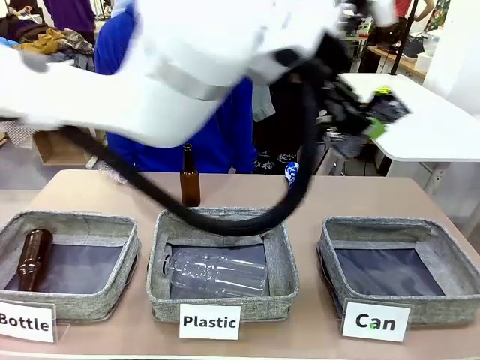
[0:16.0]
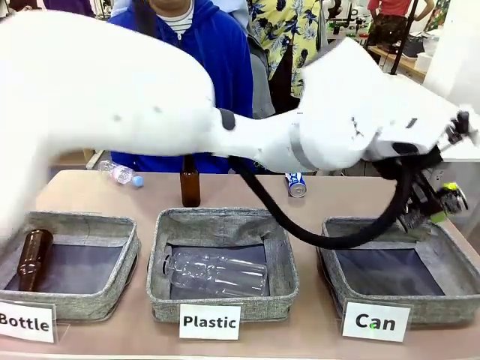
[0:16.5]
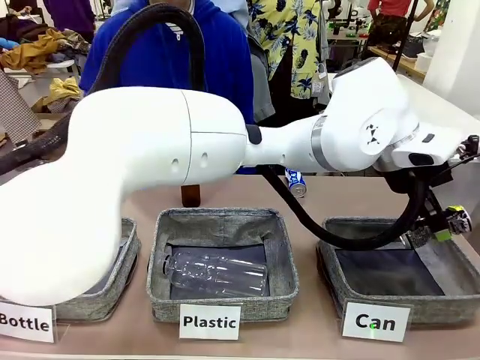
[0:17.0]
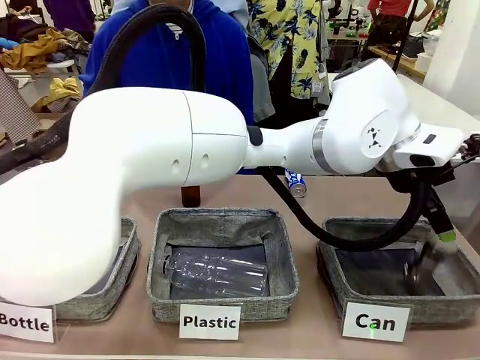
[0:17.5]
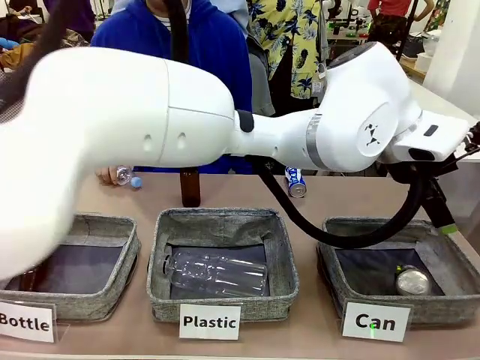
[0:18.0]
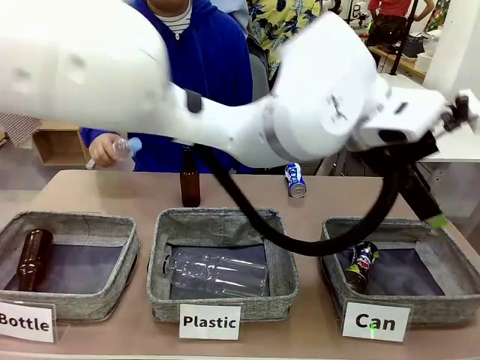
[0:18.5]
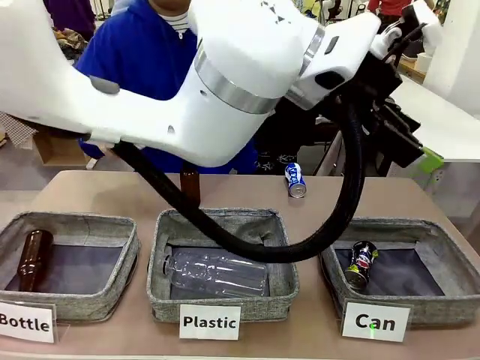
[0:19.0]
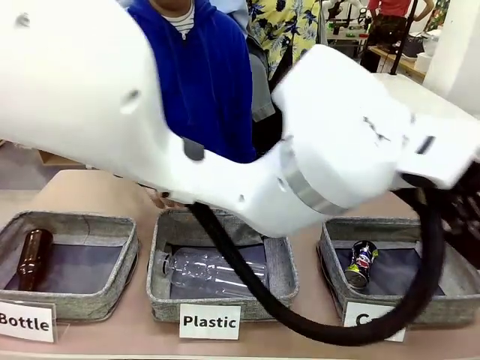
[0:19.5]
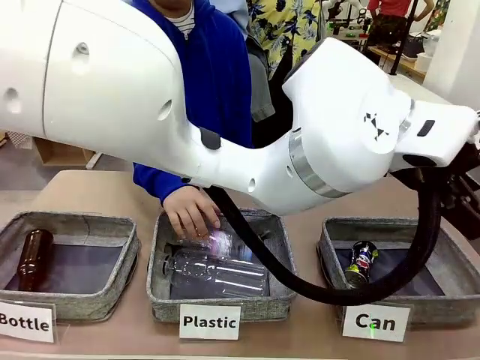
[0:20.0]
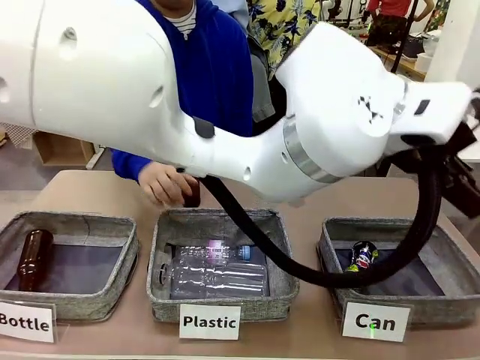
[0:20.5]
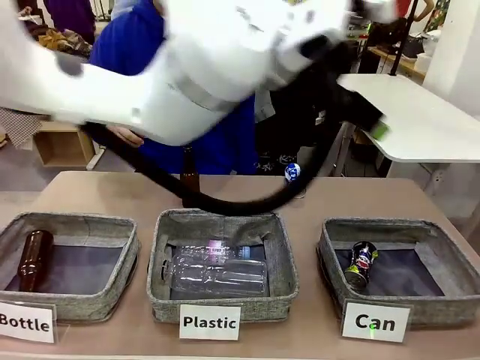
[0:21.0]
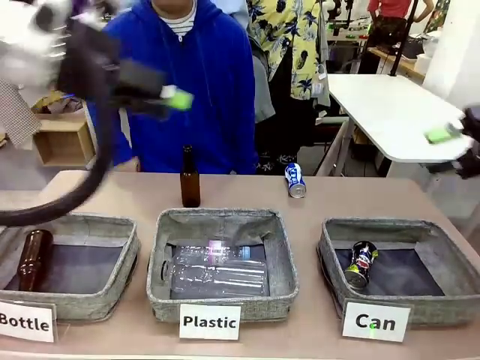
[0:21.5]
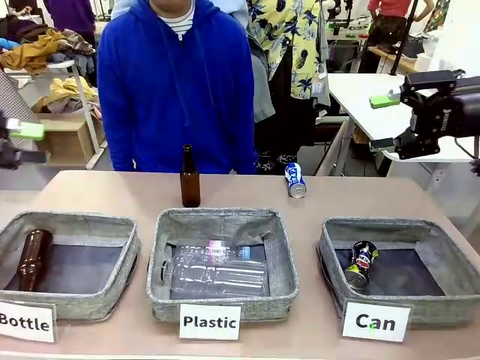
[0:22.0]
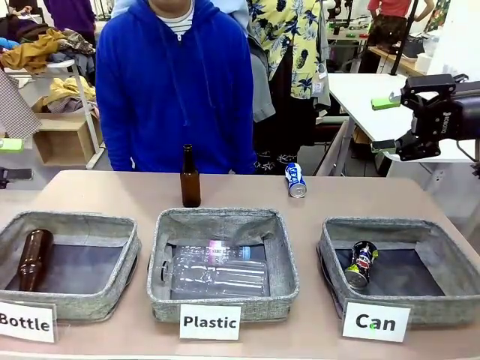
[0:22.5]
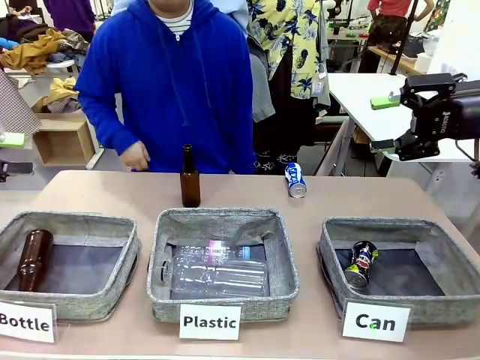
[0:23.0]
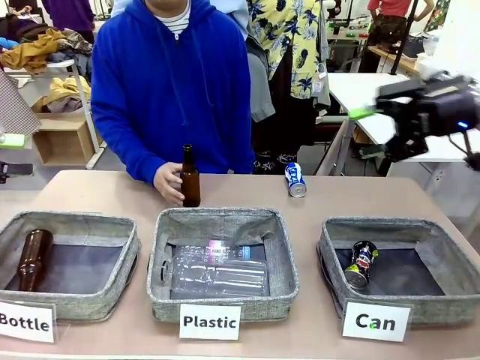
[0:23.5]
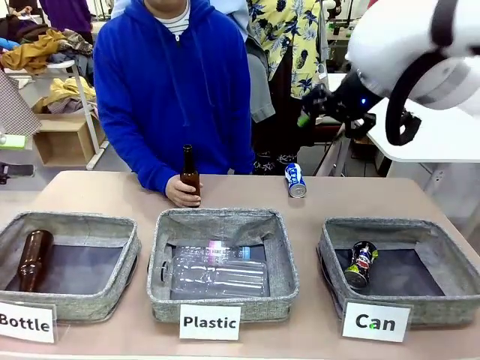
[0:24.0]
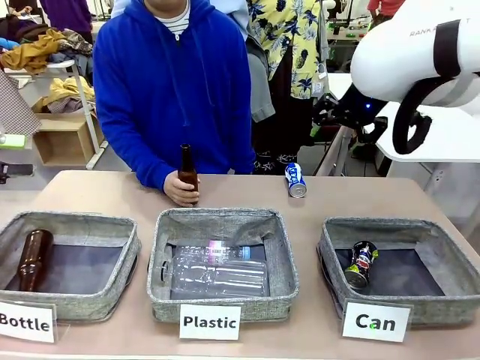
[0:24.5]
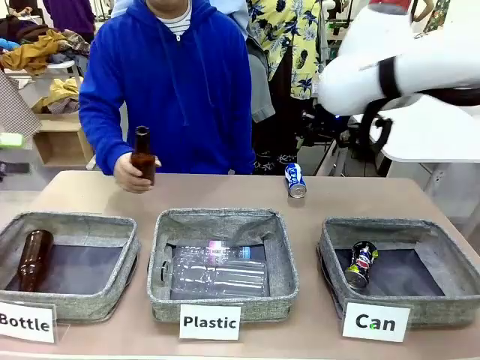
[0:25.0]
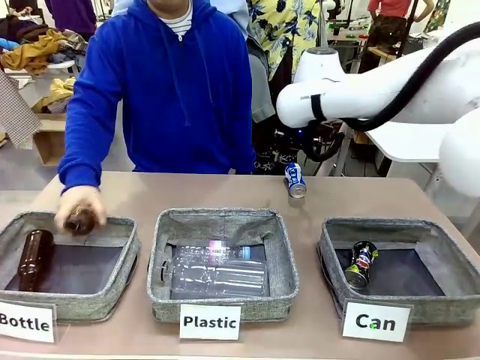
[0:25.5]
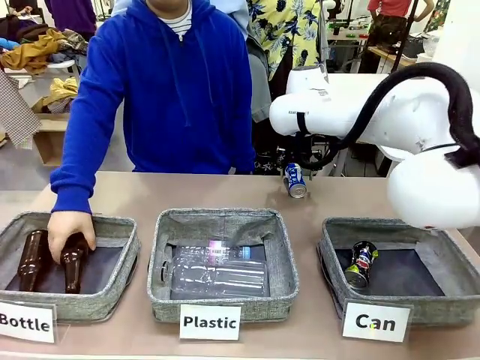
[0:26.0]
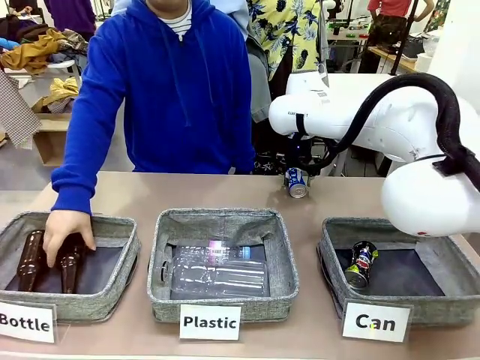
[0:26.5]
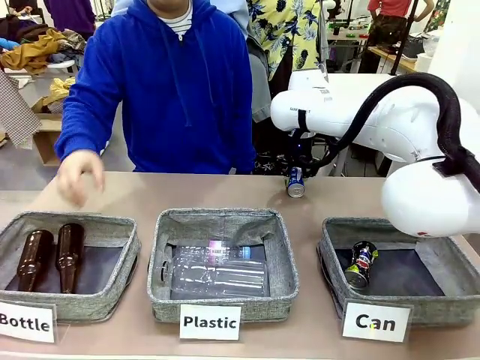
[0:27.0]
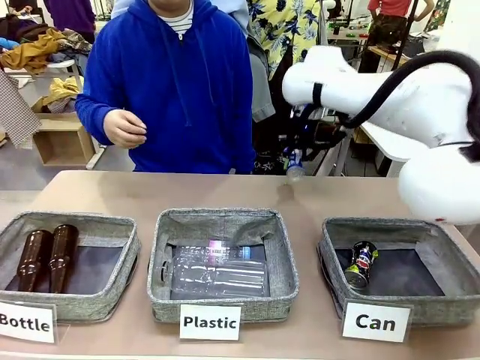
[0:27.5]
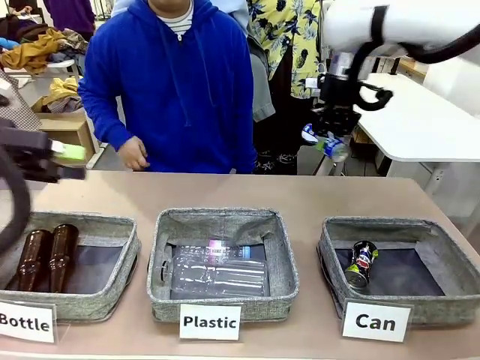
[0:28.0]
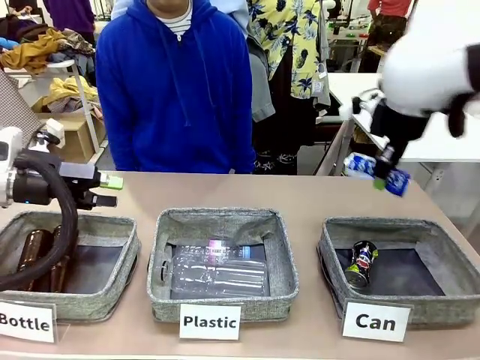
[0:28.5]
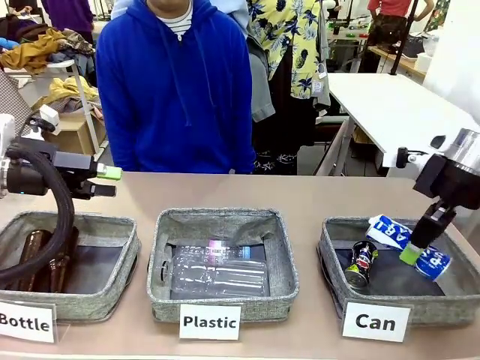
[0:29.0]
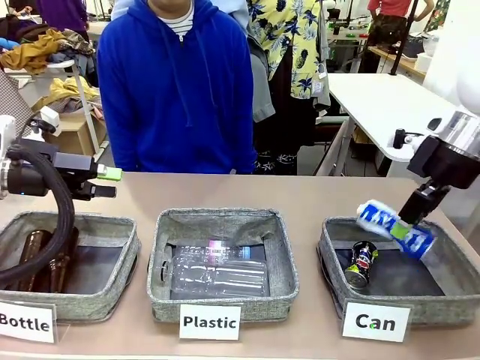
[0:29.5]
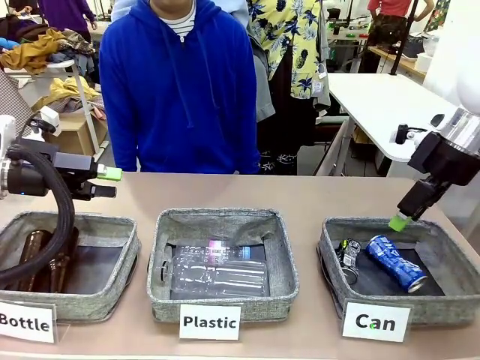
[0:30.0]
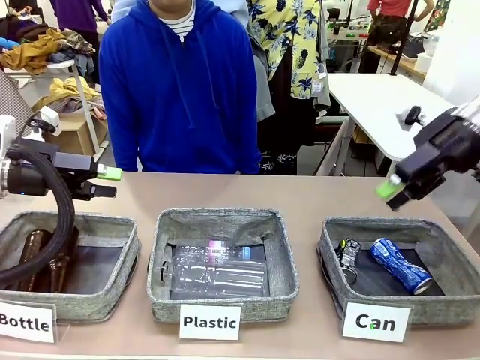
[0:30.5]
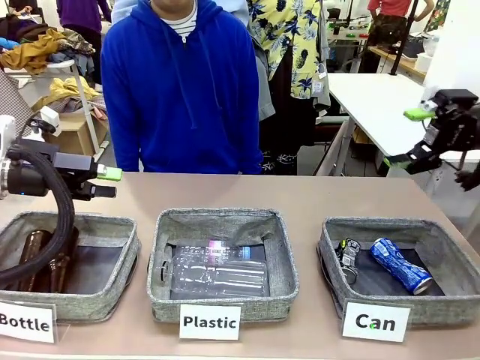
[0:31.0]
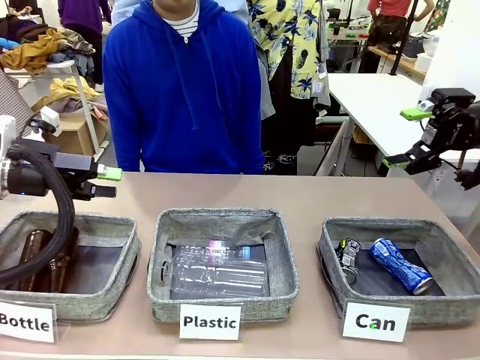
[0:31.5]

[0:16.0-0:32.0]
Task: Sort the can waste into the basket.
Robot: Pick up the can waste from the table and place it in the right Fabric basket.

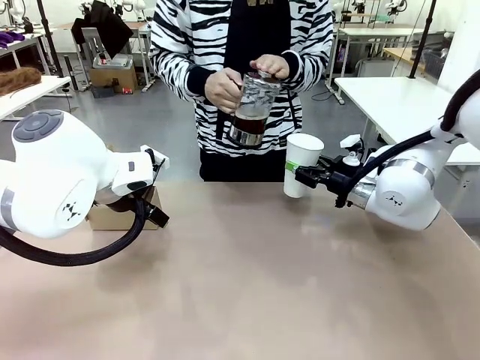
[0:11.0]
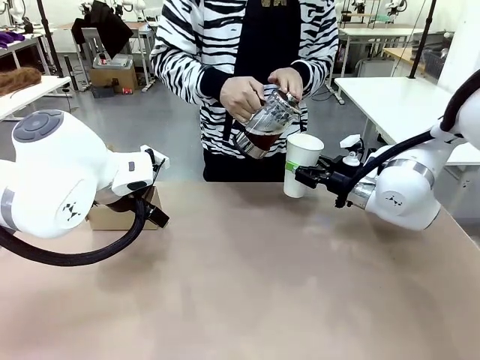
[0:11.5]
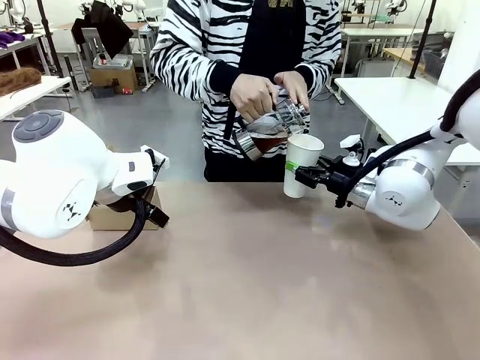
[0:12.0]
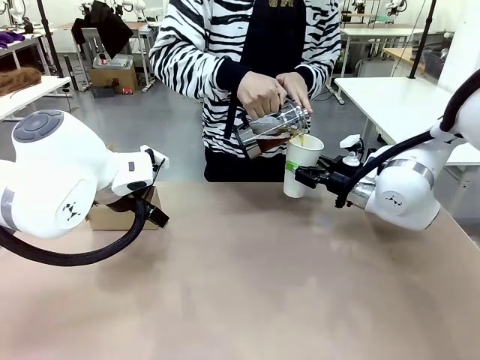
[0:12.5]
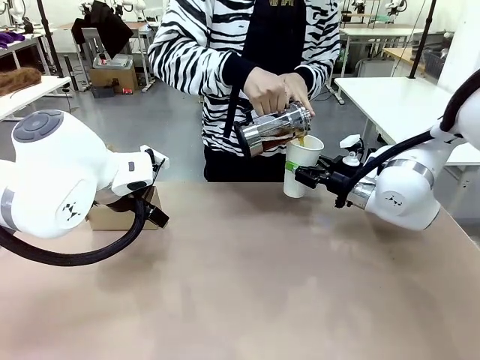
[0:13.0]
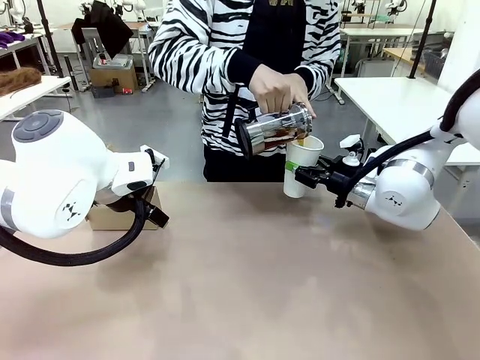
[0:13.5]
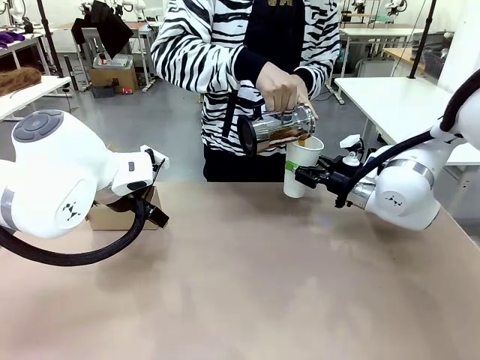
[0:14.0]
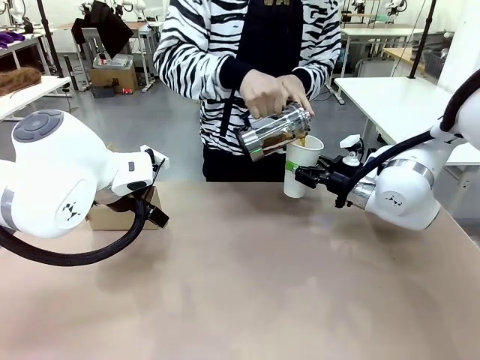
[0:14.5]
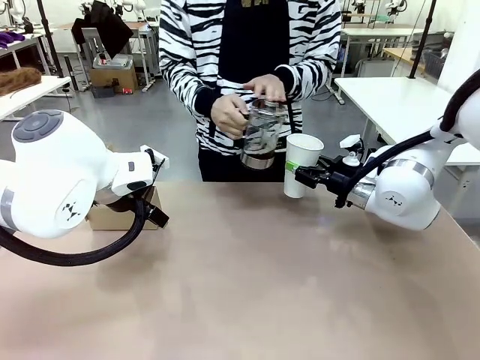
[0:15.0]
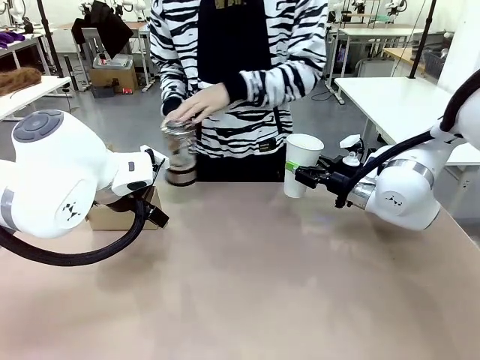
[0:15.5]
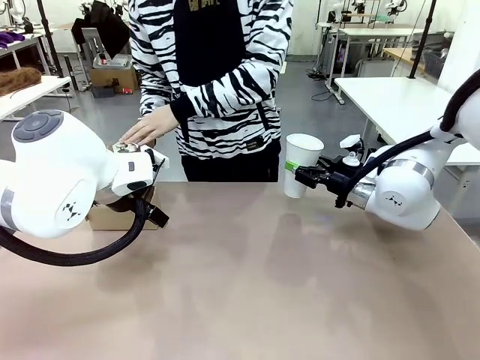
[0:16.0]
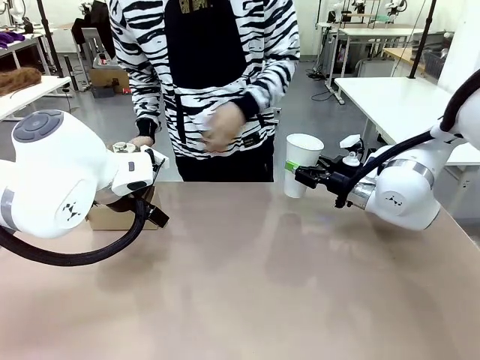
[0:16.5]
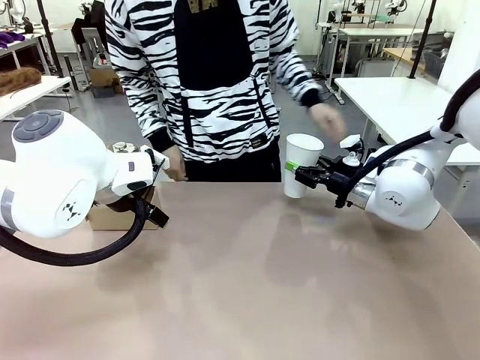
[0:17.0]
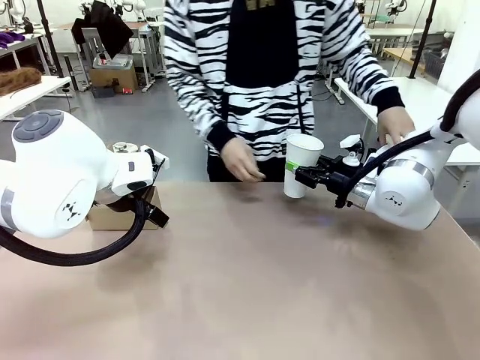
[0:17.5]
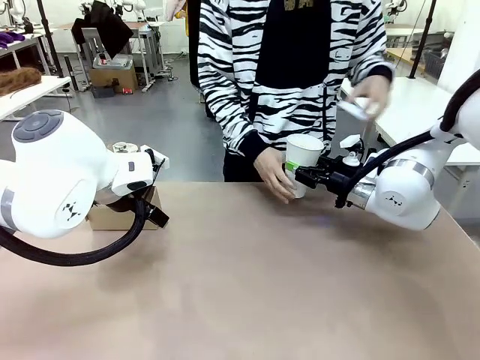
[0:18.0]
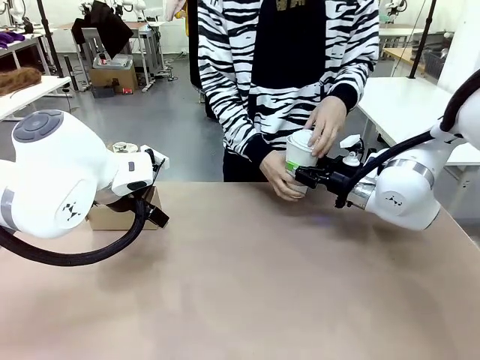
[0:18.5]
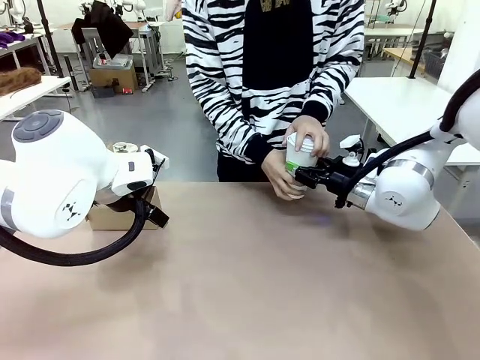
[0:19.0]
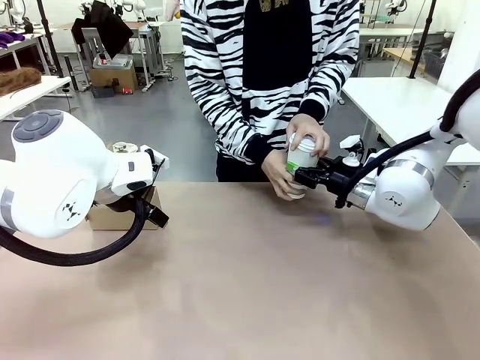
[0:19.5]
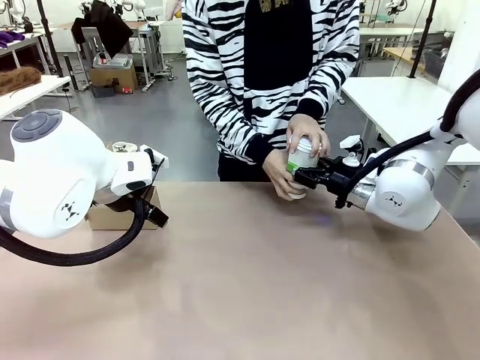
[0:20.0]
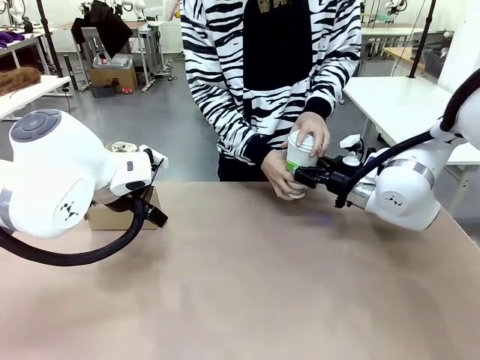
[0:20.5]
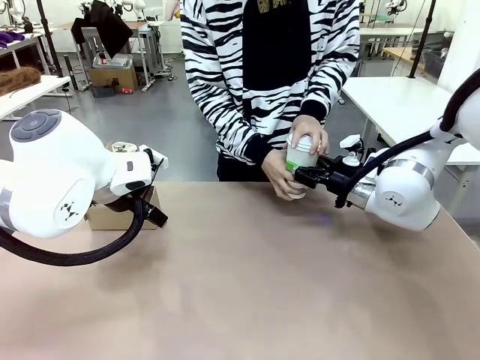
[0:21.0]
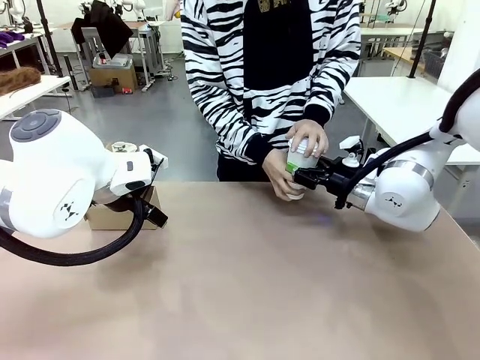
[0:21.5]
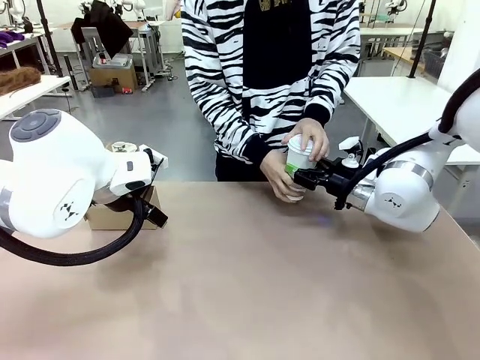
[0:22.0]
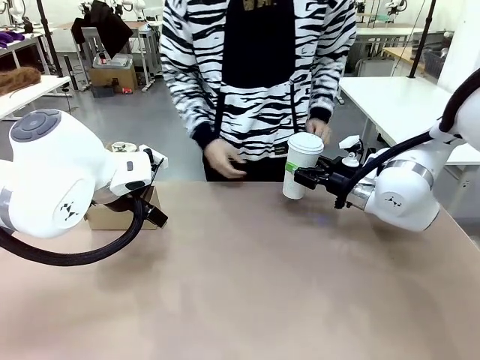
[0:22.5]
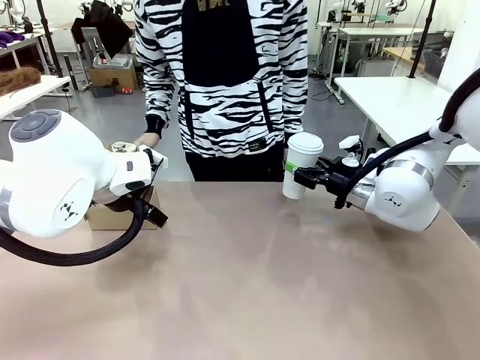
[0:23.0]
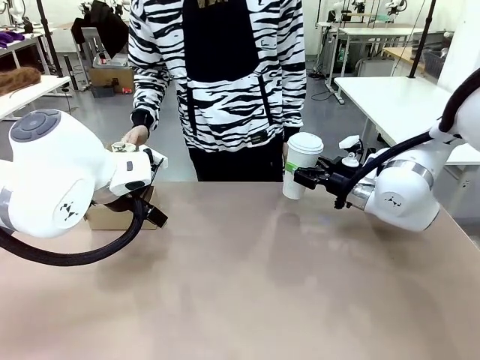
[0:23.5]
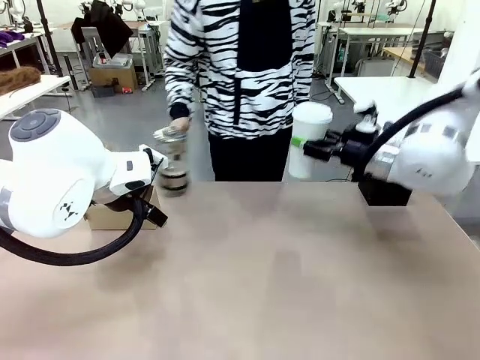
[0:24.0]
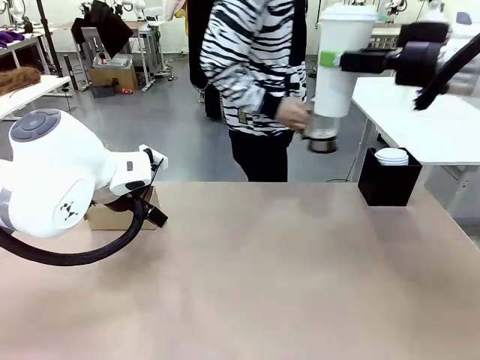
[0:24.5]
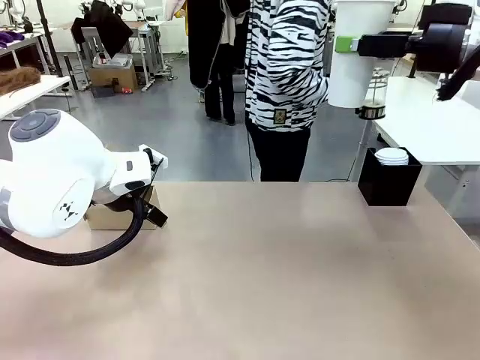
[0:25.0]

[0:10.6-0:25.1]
Task: Pour a drink into a cup and package it in a carrier.
Robot: When a person places the Paper Cup Lid on the 600 ml Paper Cup , lift the 600 ml Paper Cup.
Person: Pour the drink from the Filter Brewing into the 600 ml Paper Cup. Place a Paper Cup Lid on the 600 ml Paper Cup.
